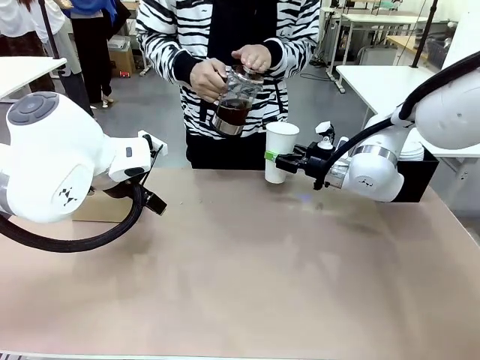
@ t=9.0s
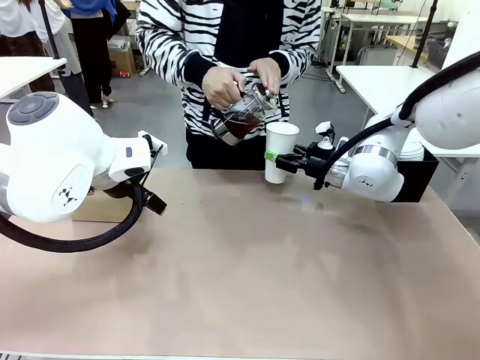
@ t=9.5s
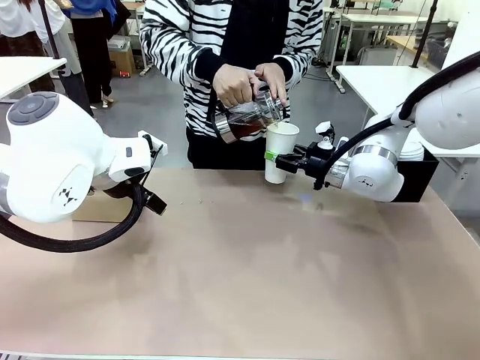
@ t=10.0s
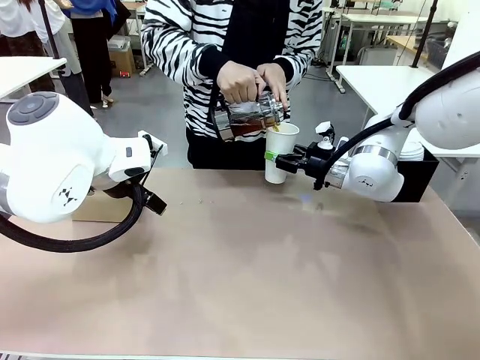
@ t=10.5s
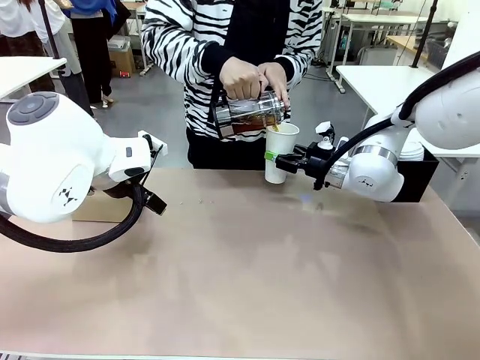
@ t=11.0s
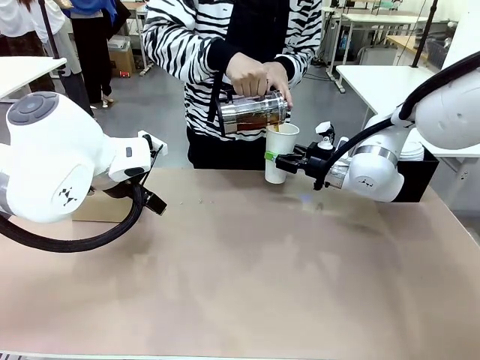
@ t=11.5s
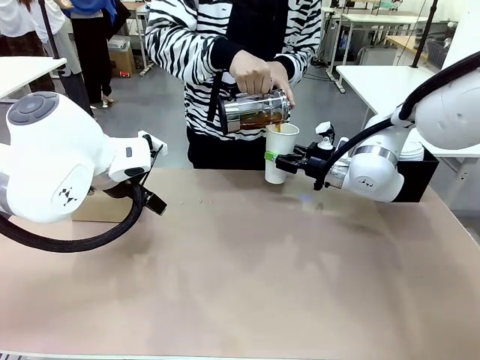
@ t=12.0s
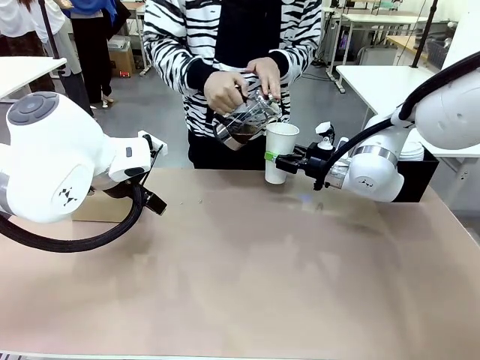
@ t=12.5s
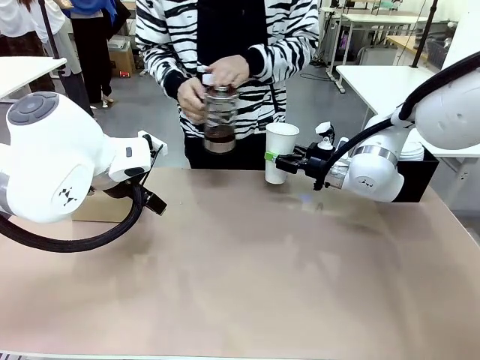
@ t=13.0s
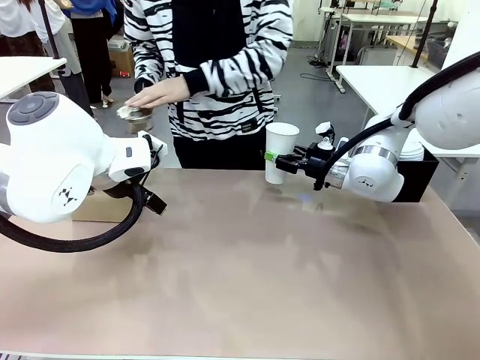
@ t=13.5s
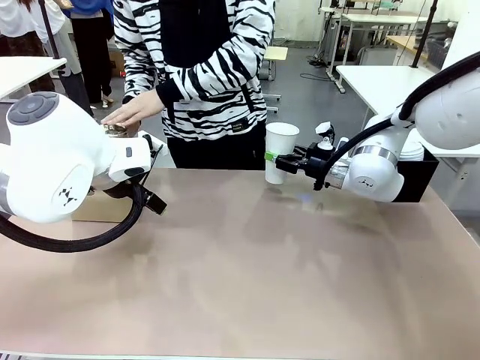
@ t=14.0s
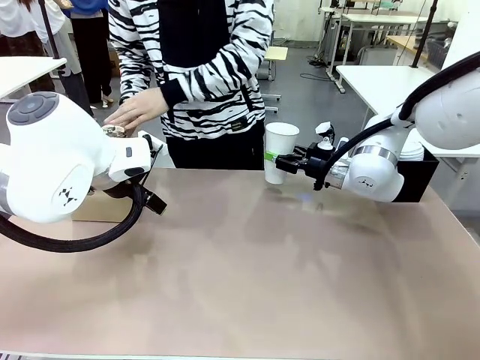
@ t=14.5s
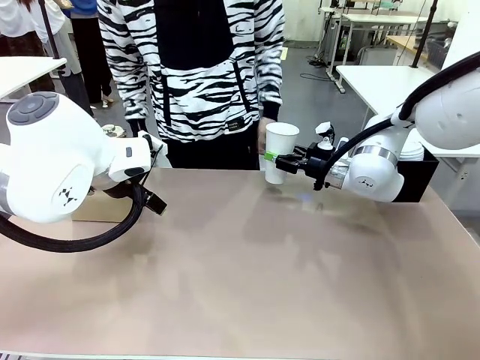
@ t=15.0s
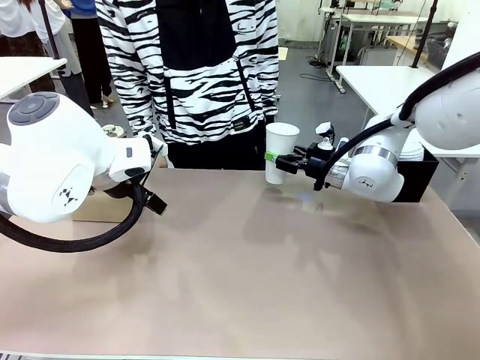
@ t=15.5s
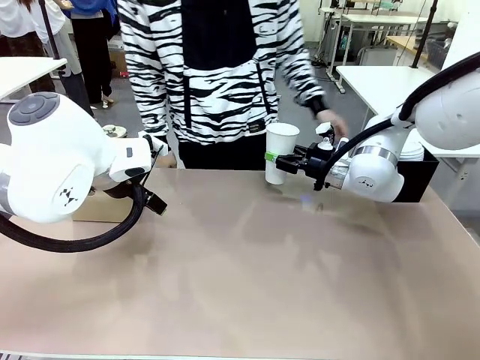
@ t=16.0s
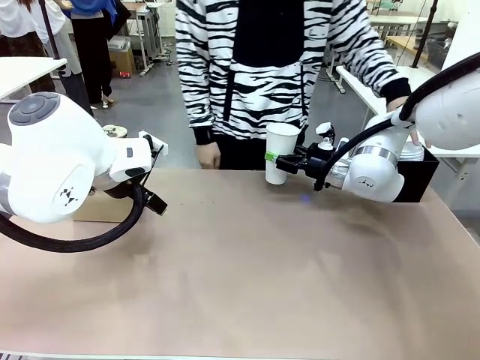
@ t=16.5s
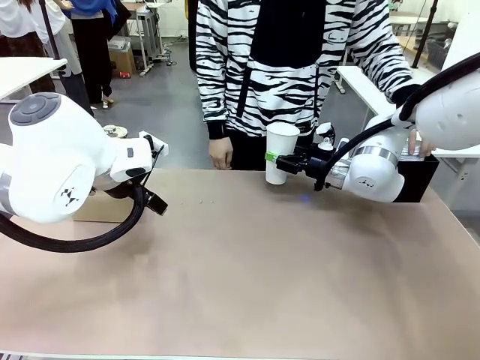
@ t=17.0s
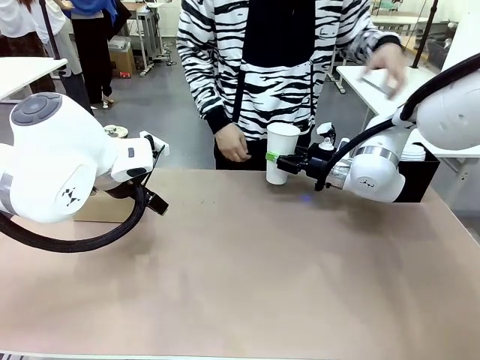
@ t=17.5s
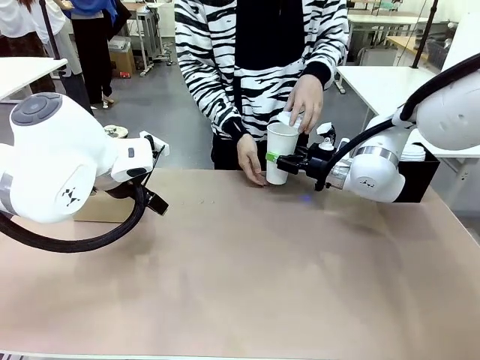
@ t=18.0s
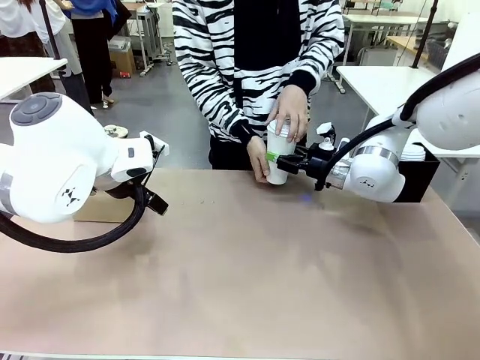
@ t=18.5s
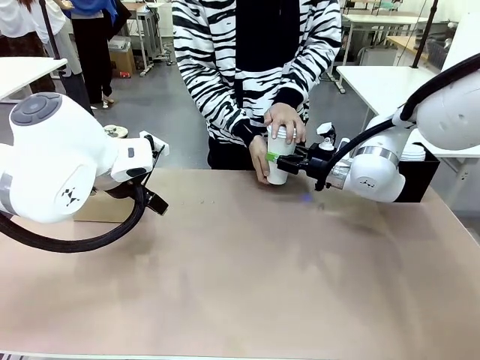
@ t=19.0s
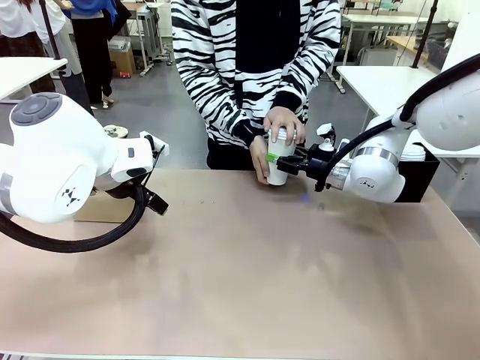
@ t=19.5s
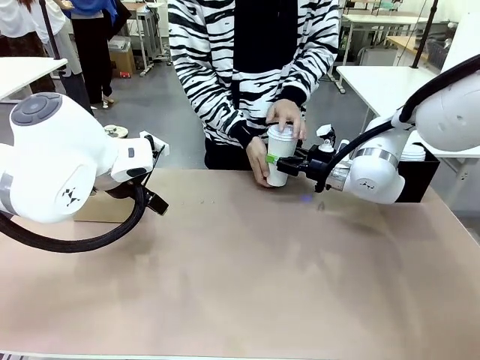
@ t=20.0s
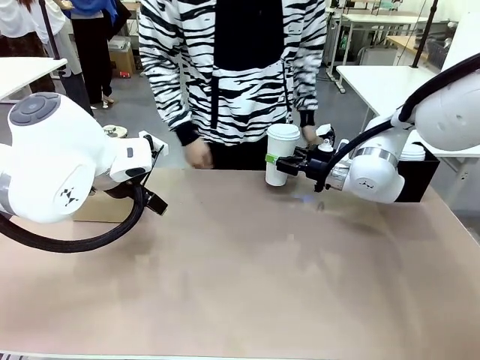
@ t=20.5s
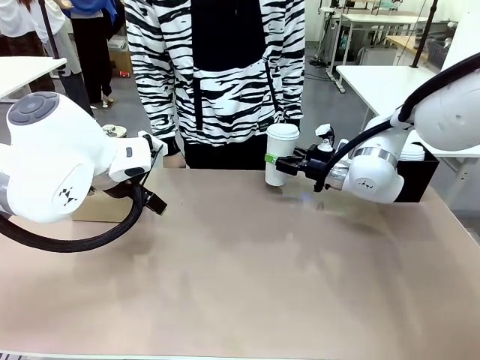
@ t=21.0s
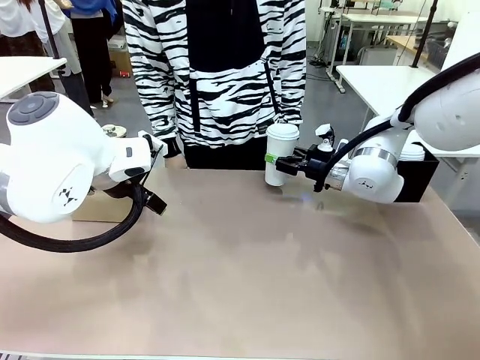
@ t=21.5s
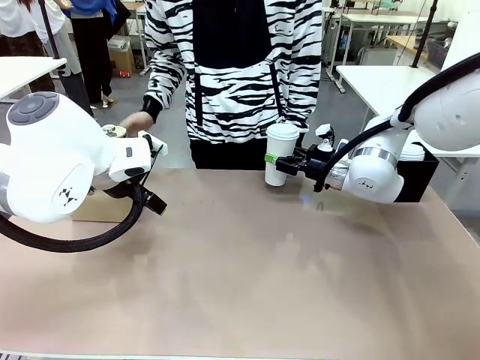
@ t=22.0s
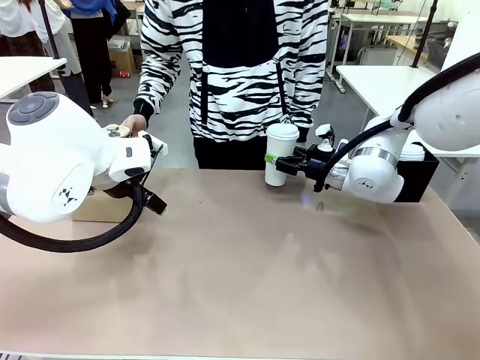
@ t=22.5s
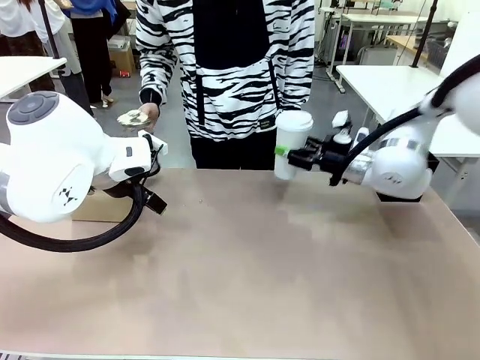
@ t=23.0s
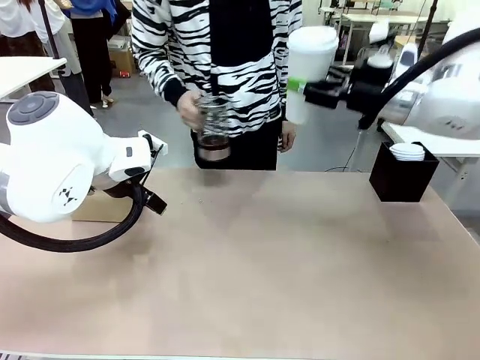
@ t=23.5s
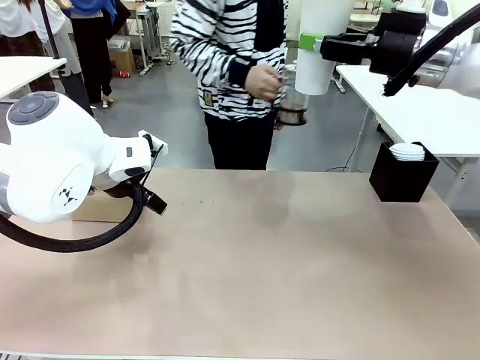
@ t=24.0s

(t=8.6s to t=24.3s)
Task: Pour a drink into a cup and package it in a carrier.
Robot: When a person places the Paper Cup Lid on the 600 ml Paper Cup , lift the 600 ml Paper Cup.
Person: Pour the drink from the Filter Brewing into the 600 ml Paper Cup. Place a Paper Cup Lid on the 600 ml Paper Cup.

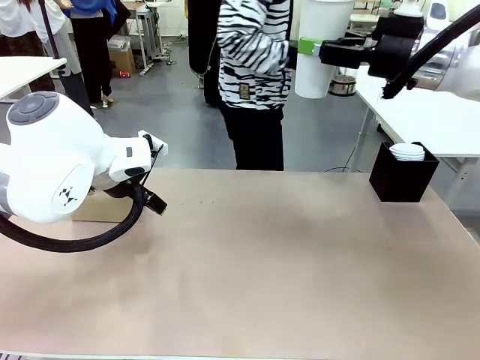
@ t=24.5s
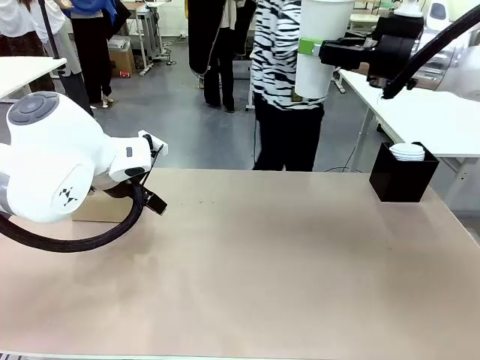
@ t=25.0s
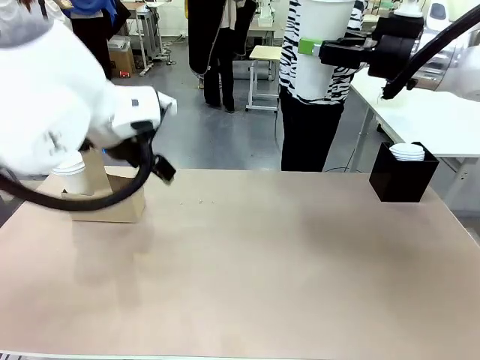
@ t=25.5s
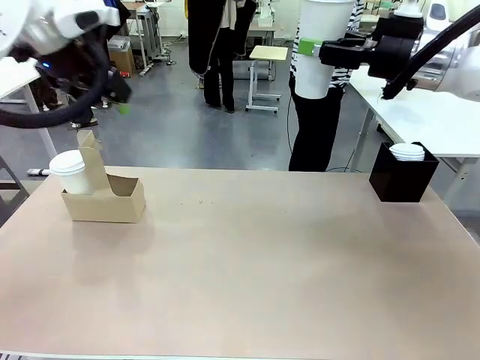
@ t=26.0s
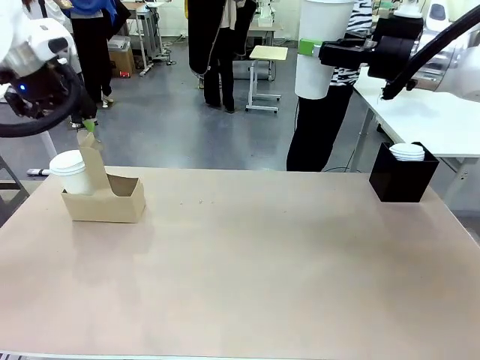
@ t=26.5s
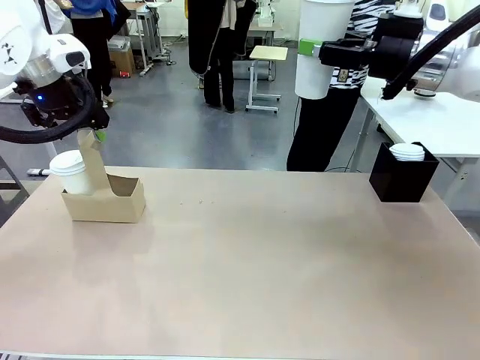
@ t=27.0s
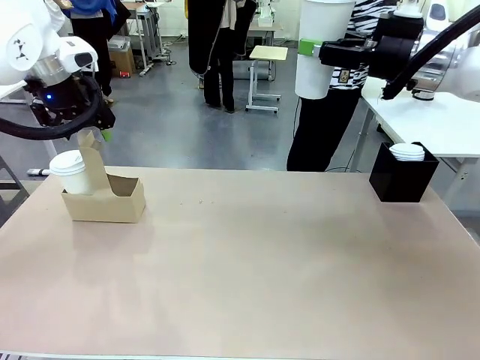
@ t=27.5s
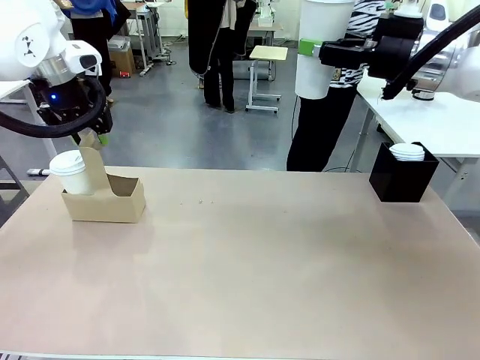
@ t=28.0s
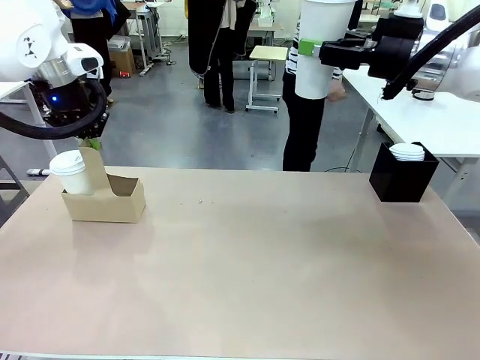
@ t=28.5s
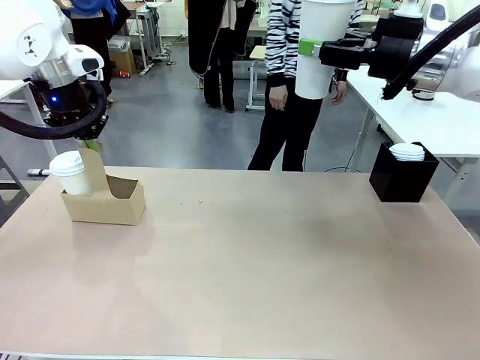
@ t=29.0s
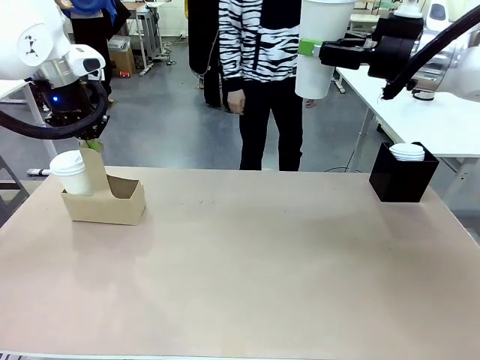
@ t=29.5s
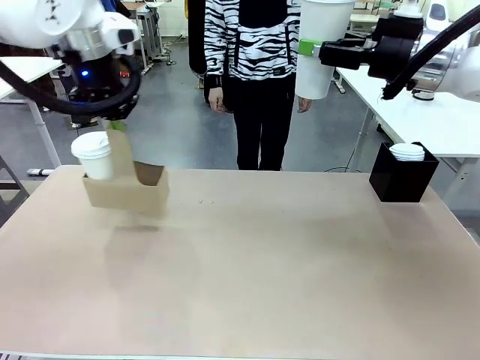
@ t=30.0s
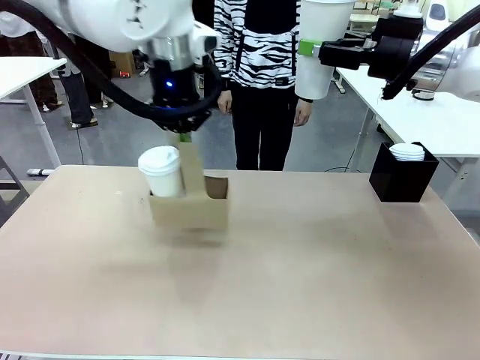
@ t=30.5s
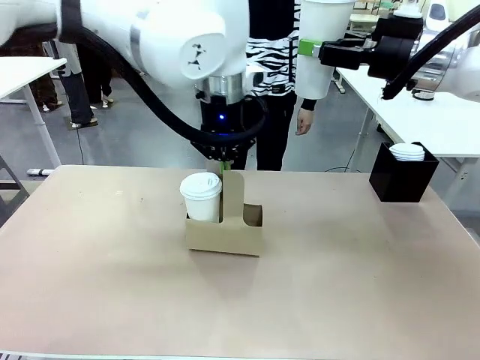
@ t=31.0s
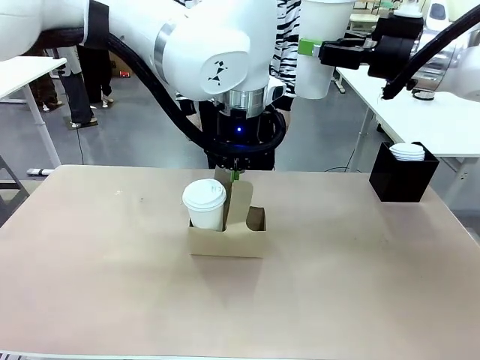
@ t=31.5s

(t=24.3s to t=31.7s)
Robot: Position the Cup Carrier in the center of the table.
Person: Pick up the Filter Brewing and place on the middle of Human table, and return to the Robot table.
